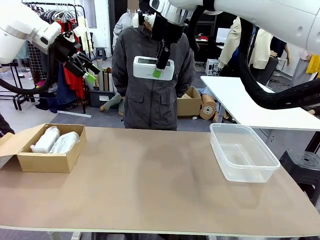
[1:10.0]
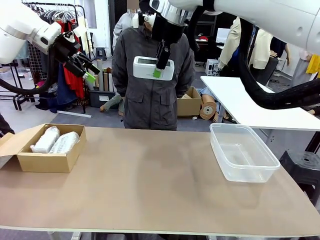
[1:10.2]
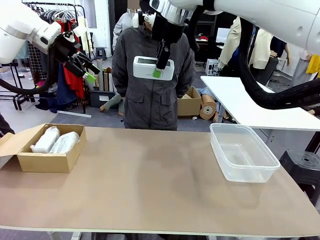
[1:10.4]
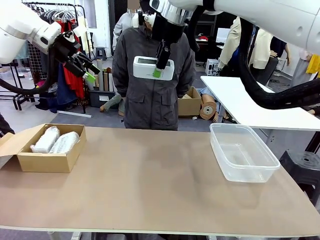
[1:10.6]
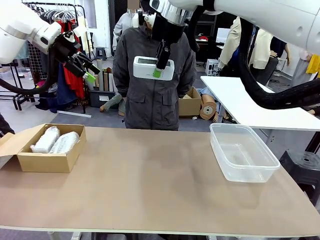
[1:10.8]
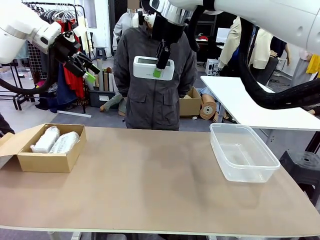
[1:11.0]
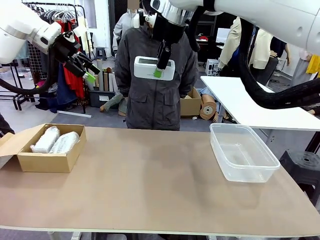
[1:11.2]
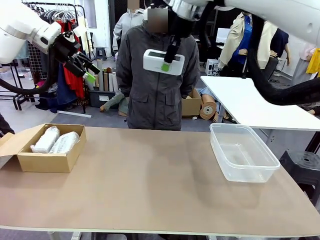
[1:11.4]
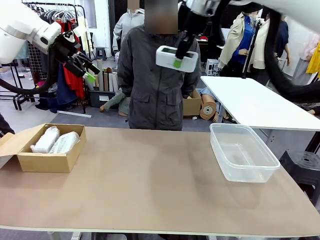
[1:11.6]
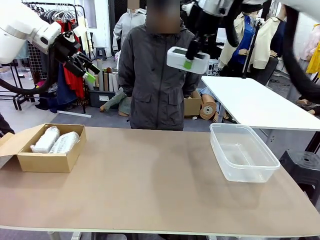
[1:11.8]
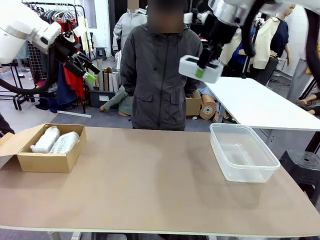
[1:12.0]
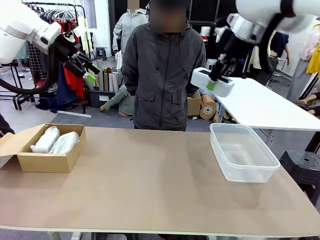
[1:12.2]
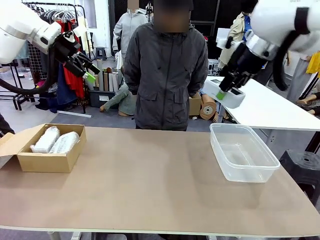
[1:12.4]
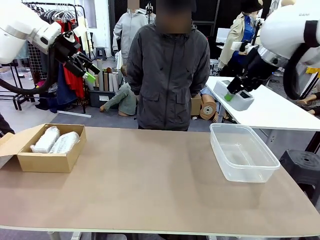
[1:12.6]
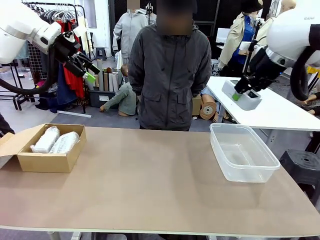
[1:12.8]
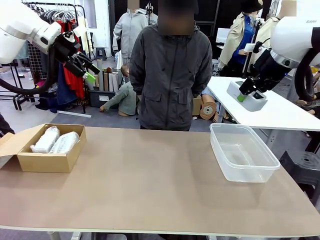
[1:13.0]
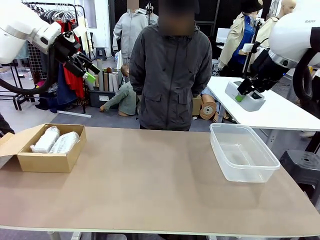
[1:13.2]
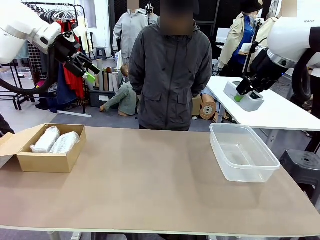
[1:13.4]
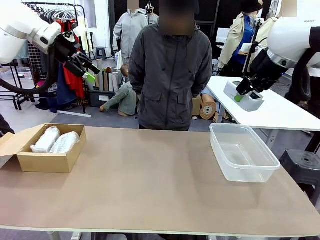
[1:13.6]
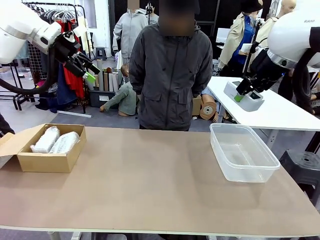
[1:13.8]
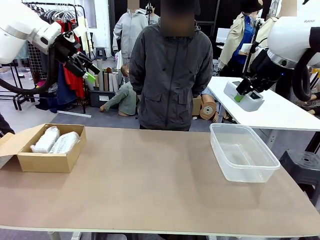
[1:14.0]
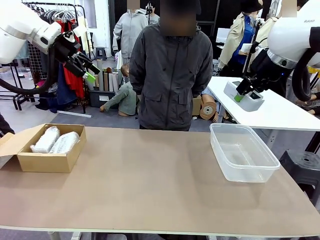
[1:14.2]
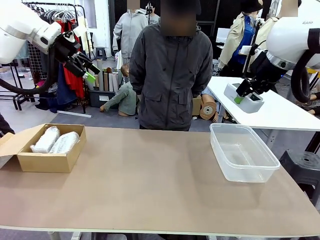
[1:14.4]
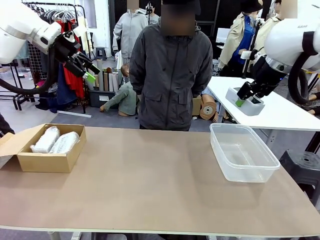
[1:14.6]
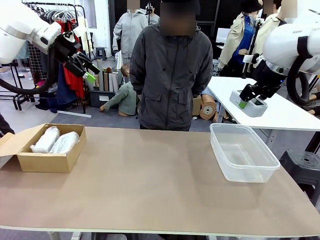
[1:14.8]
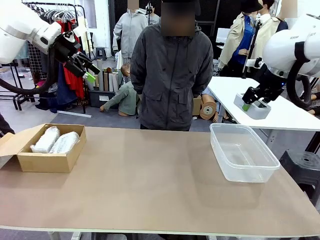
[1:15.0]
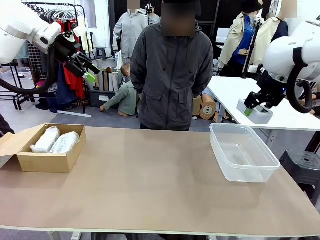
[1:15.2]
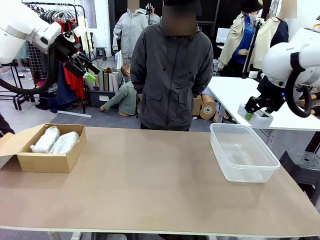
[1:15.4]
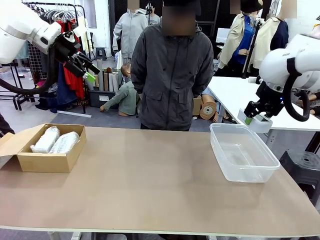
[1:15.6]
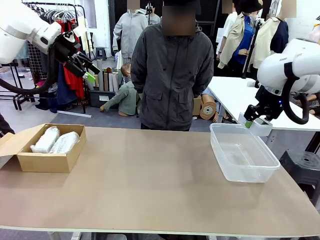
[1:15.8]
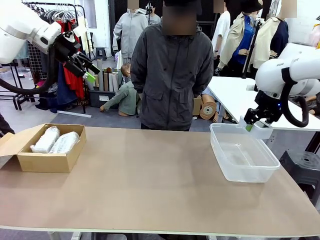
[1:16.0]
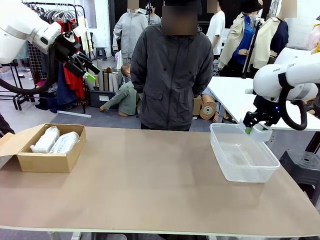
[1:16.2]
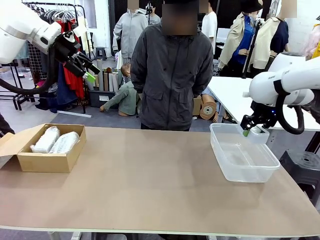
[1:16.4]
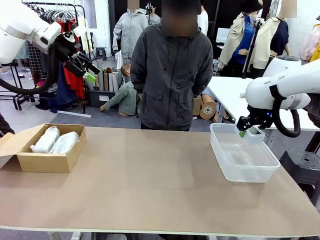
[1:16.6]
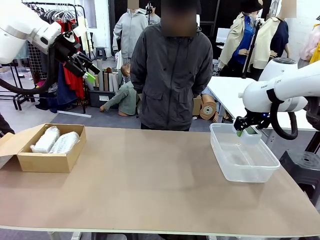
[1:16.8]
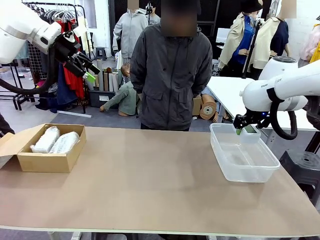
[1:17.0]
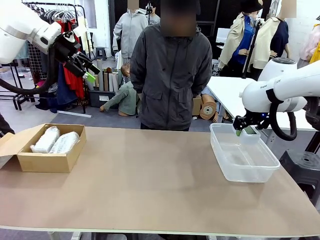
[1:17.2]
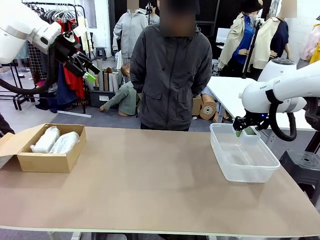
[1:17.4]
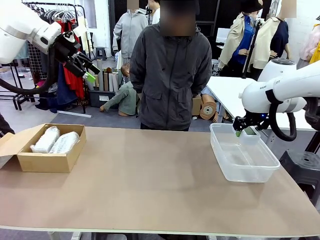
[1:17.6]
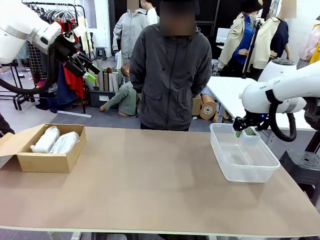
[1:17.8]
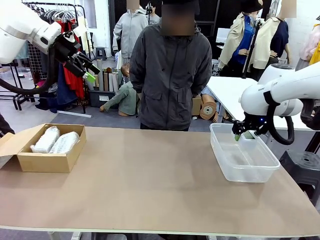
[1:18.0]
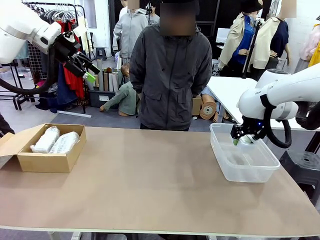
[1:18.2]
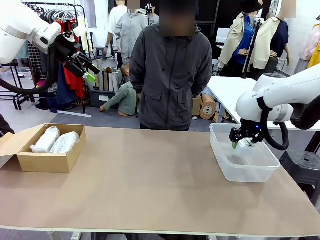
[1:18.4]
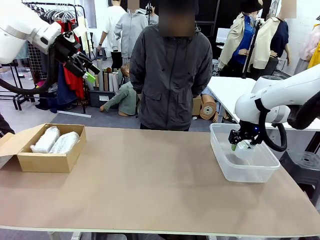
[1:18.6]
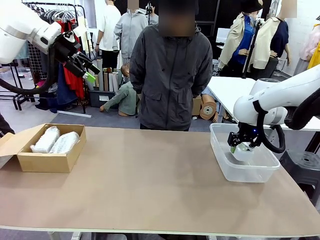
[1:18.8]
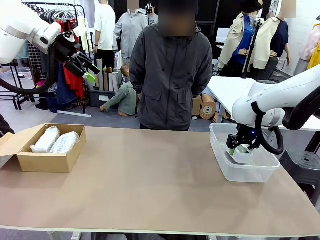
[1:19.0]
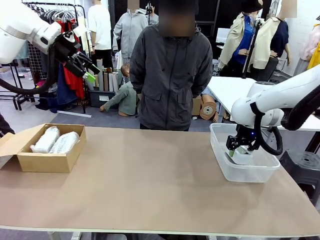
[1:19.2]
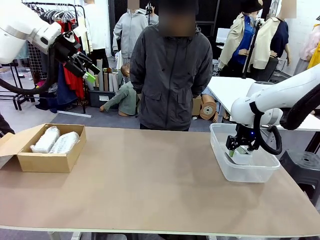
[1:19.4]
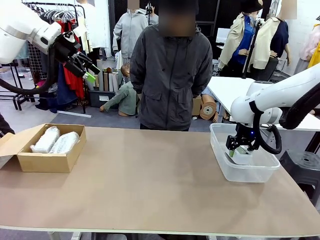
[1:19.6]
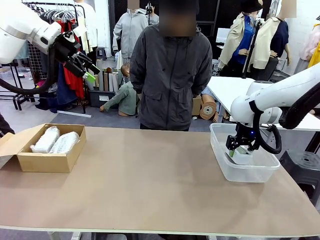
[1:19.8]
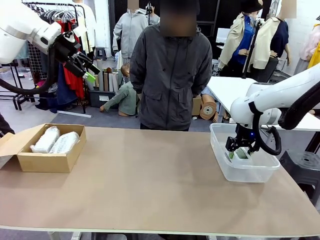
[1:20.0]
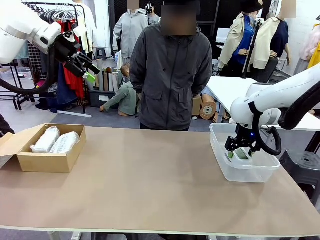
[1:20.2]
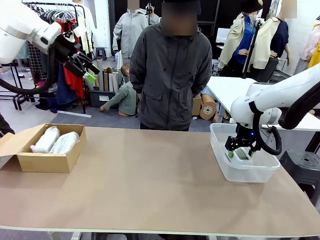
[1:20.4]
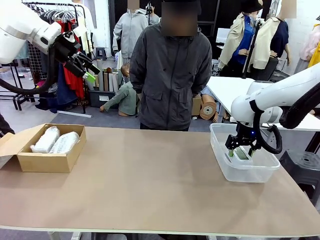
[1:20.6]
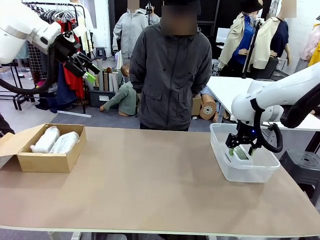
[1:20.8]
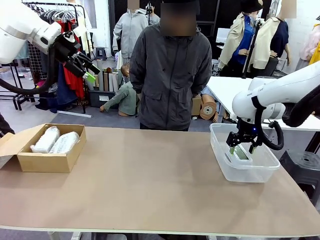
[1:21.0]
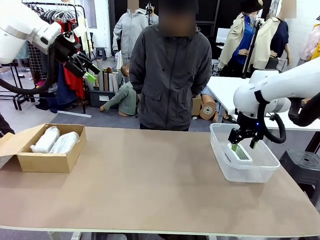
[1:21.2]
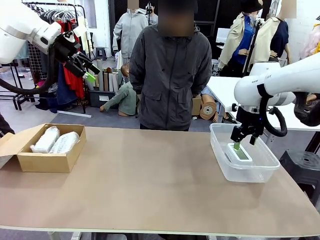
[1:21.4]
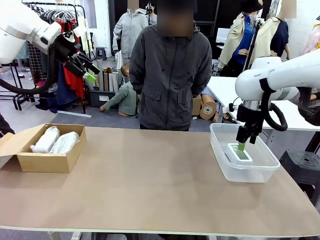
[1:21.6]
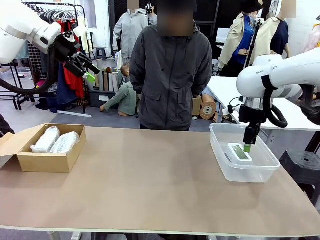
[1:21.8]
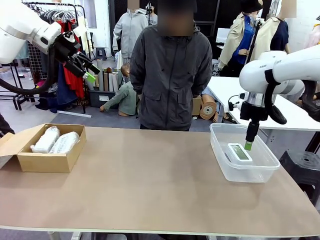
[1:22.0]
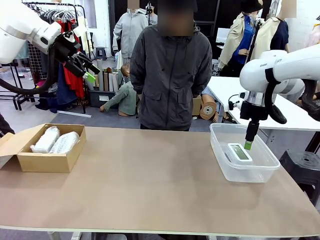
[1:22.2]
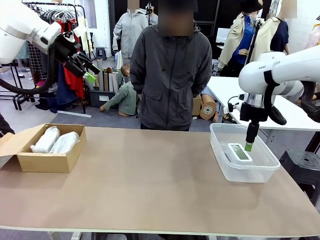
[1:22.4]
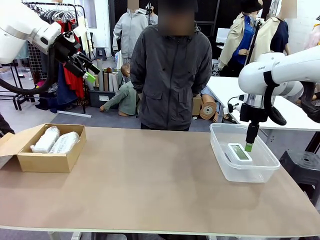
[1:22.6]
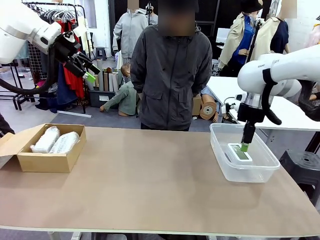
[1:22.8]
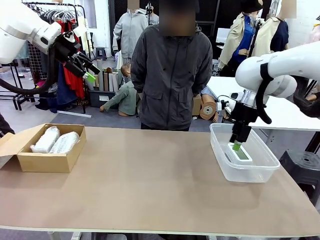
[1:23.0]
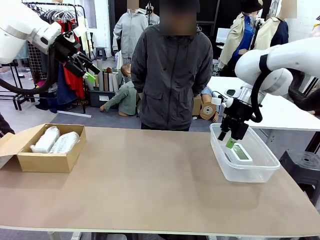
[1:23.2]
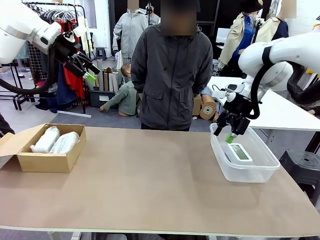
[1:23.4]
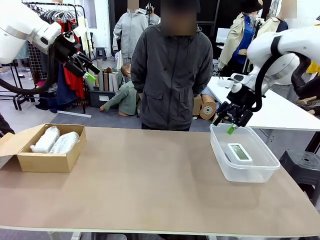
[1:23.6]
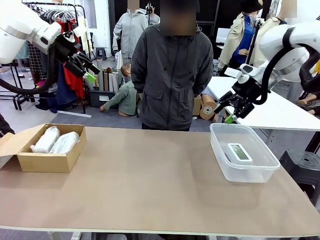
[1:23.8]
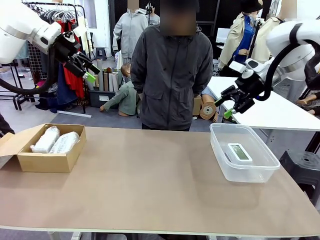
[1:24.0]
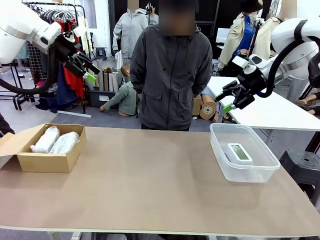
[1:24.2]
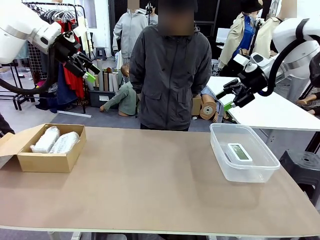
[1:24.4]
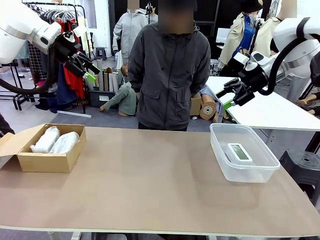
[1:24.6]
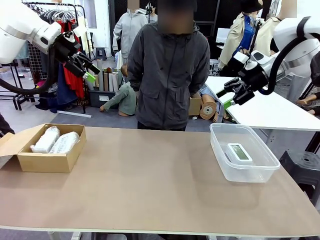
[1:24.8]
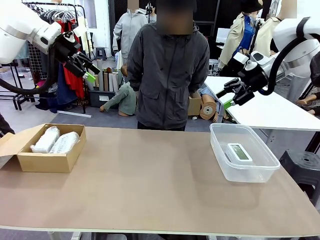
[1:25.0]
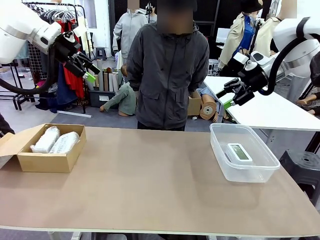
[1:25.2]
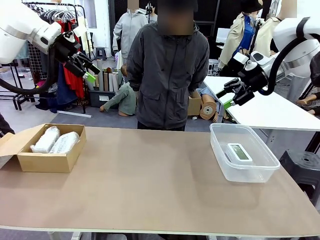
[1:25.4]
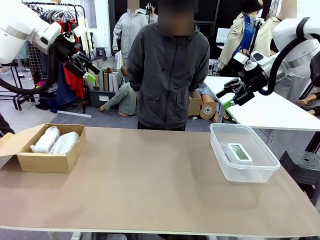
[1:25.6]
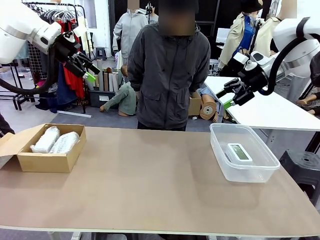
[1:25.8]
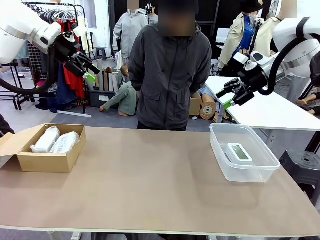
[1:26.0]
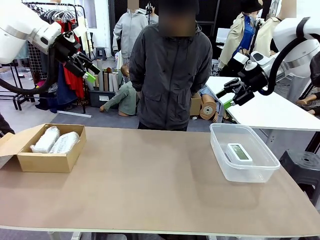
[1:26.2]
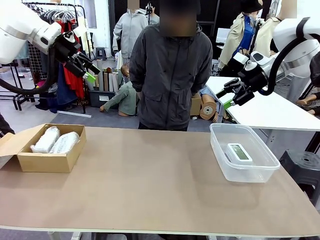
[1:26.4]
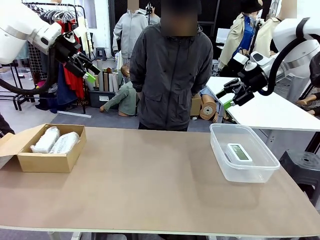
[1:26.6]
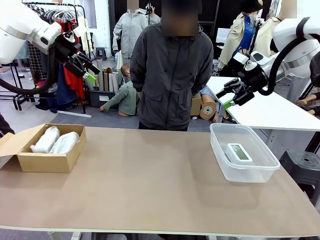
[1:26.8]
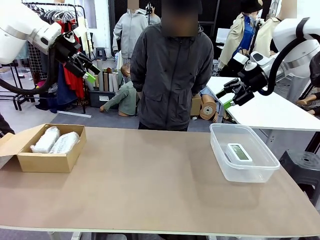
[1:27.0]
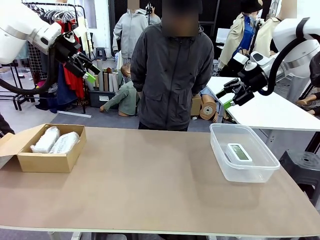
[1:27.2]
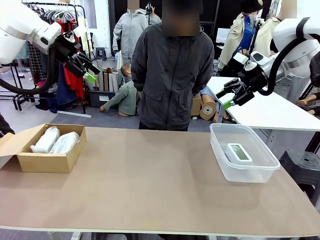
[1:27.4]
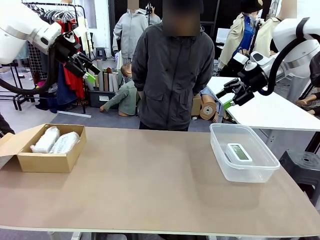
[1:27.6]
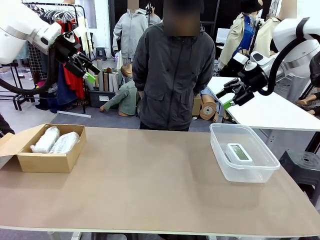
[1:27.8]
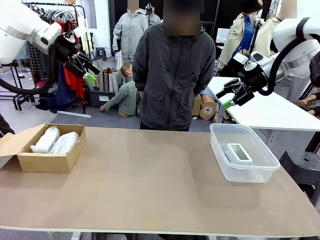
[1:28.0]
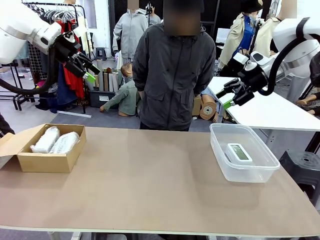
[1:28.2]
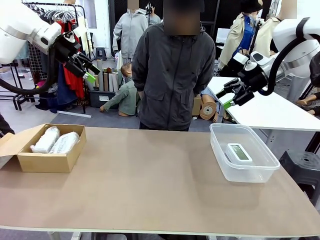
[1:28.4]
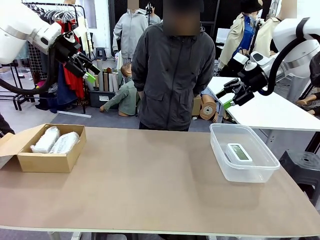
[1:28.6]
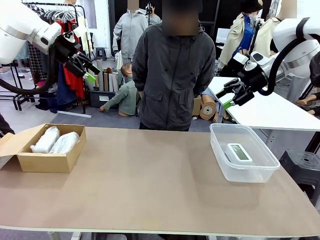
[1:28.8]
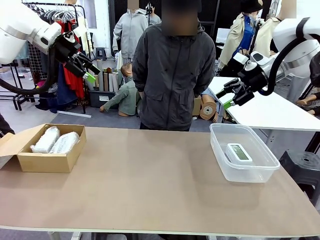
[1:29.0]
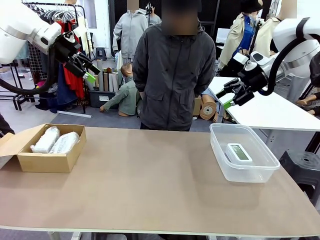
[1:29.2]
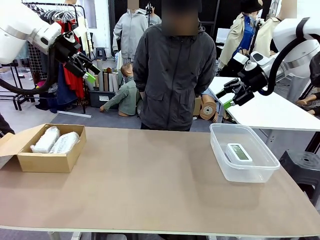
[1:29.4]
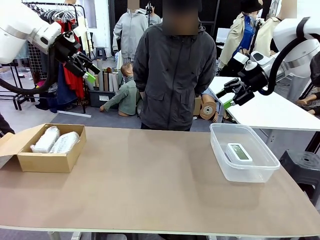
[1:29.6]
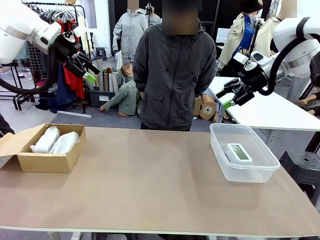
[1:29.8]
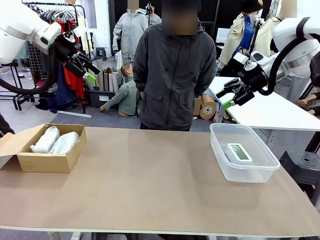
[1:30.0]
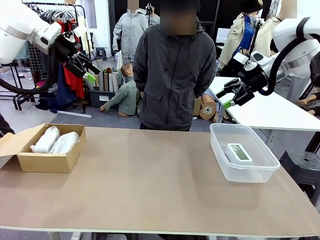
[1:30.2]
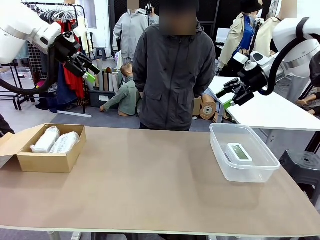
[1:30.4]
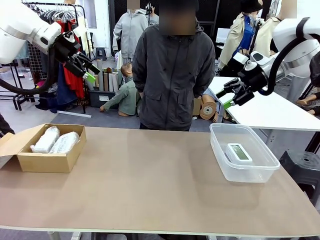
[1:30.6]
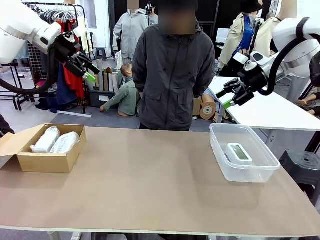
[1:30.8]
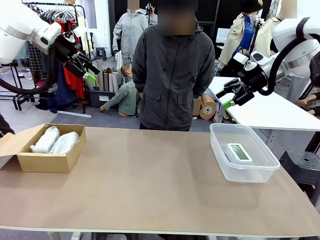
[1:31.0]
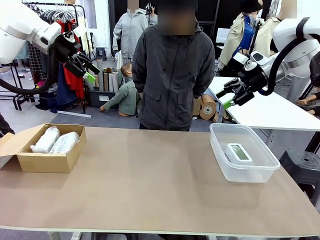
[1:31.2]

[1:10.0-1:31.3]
Task: Separate and place wrapped and unwrapped clocks.
Robot: If the picked Digital clock is wrapped, place it in the Package Box ; if not, place it in the Organizing box.
